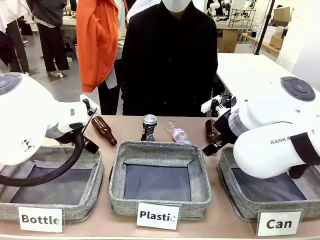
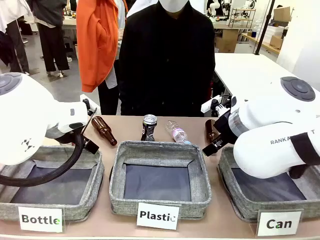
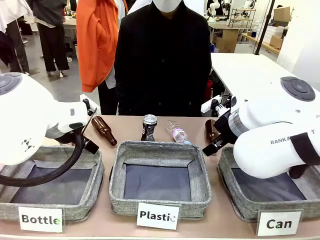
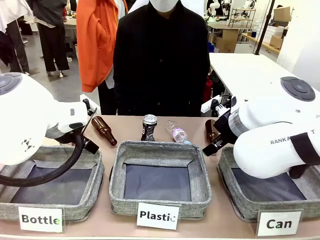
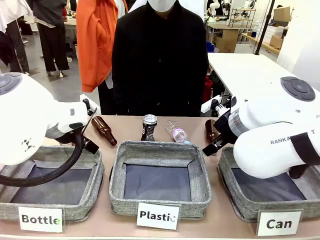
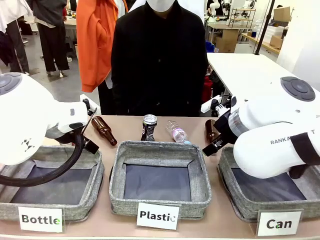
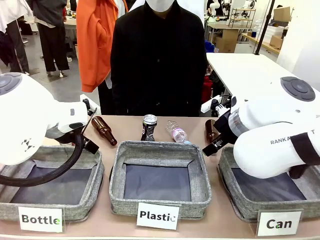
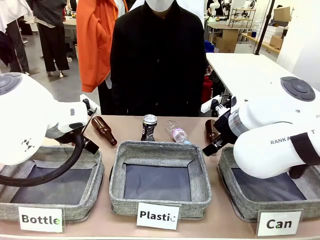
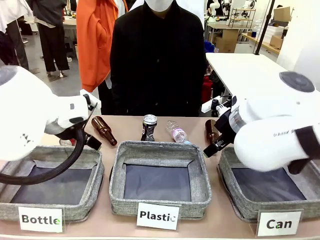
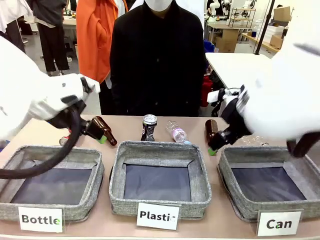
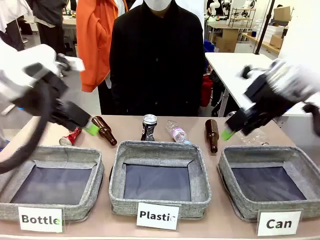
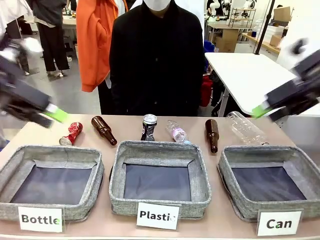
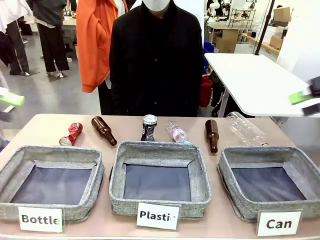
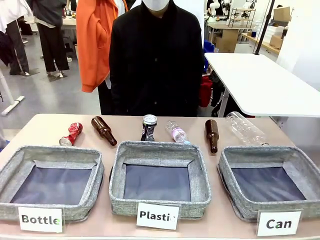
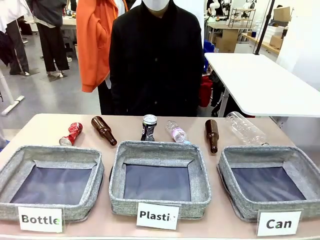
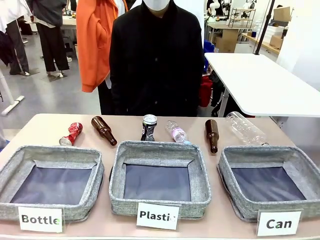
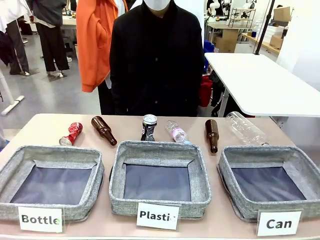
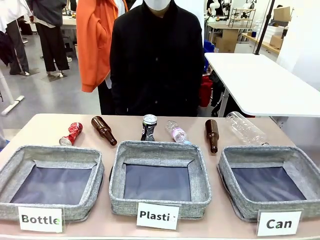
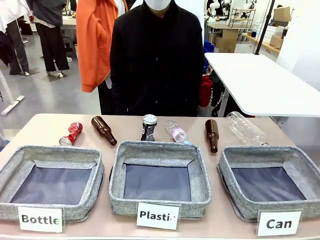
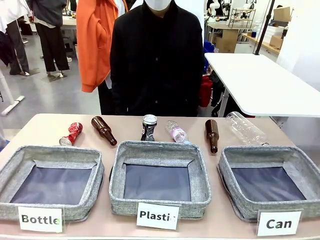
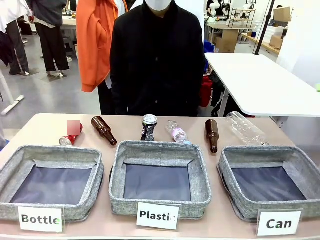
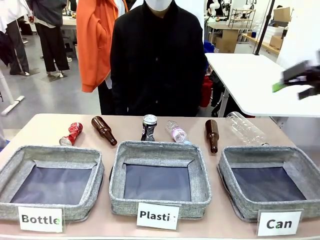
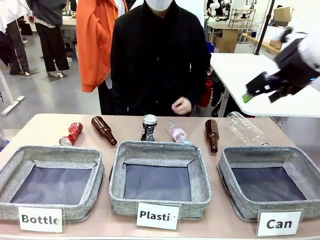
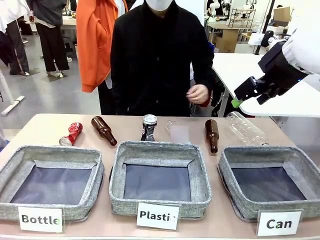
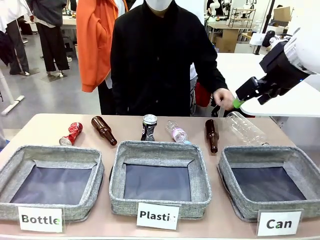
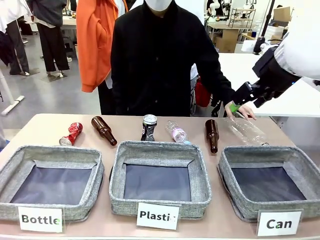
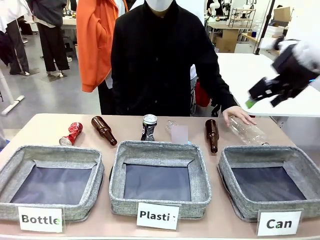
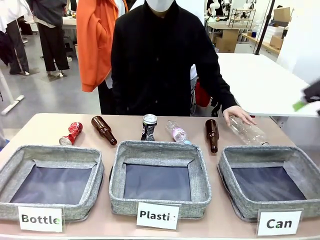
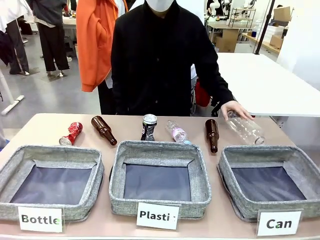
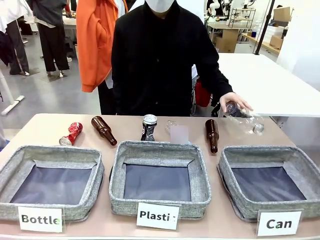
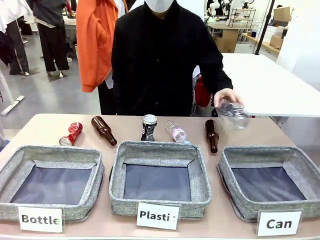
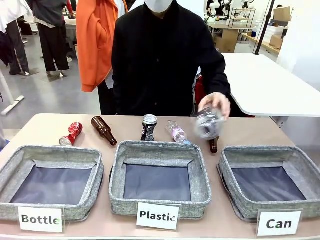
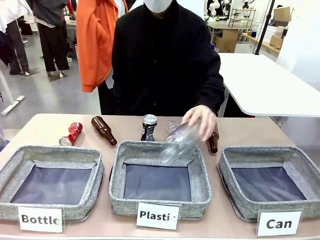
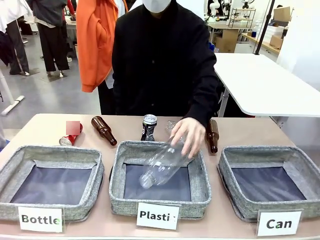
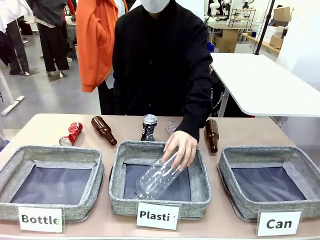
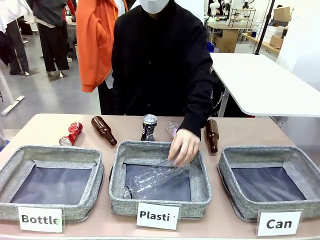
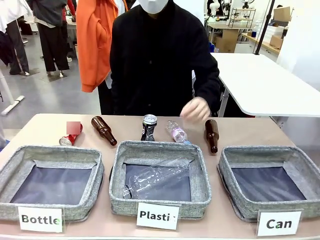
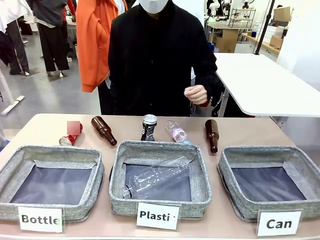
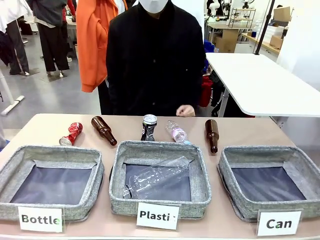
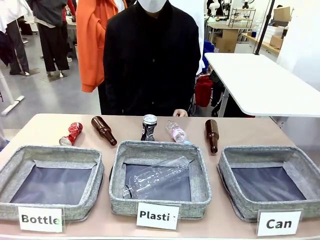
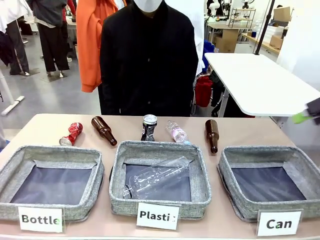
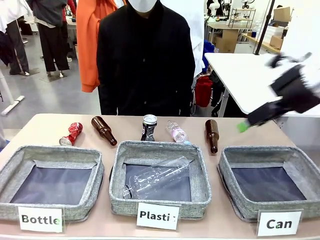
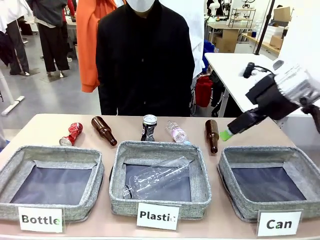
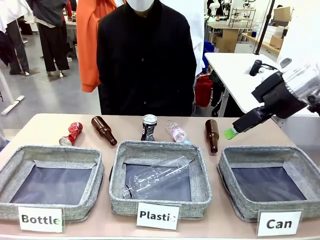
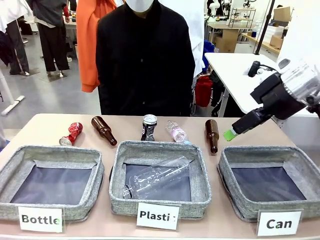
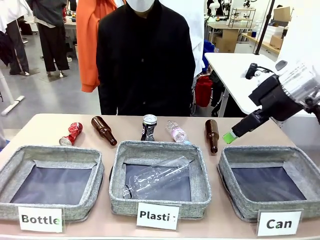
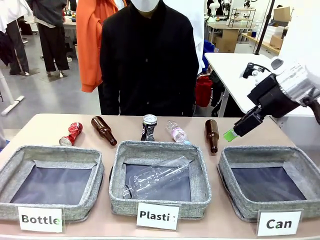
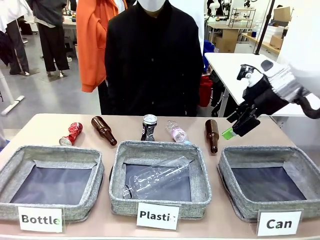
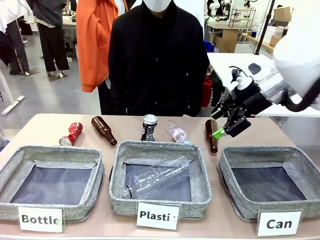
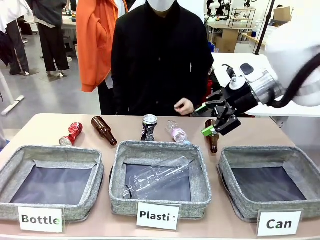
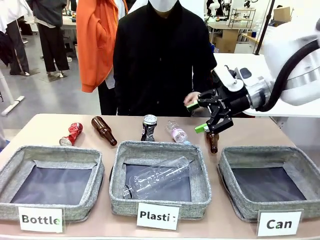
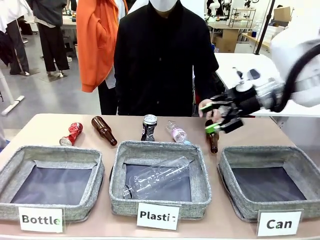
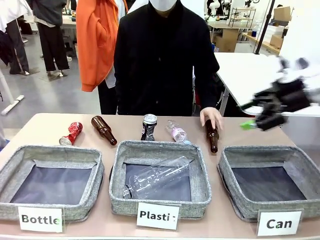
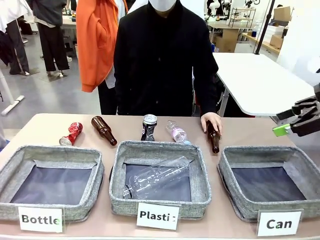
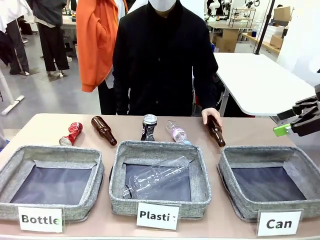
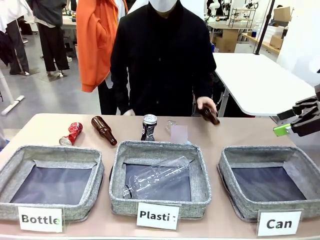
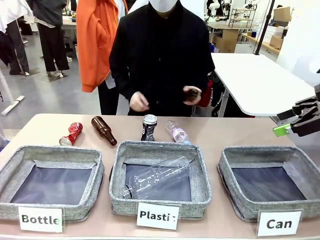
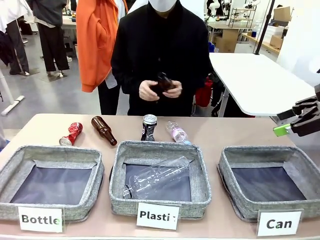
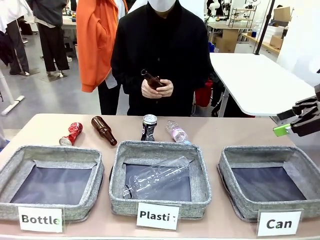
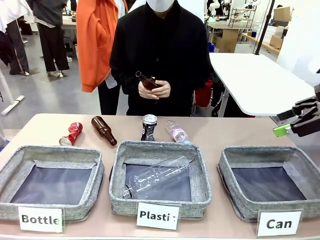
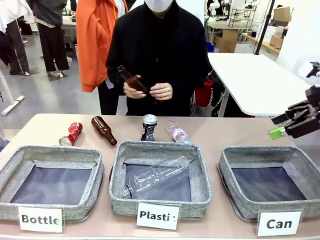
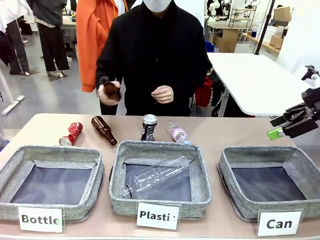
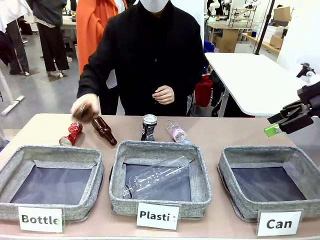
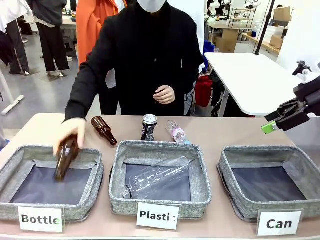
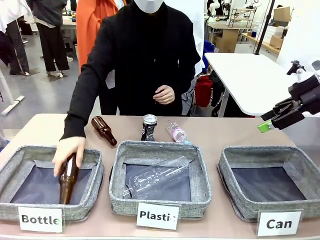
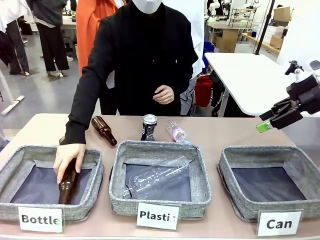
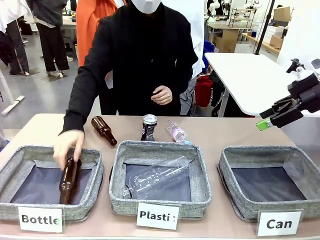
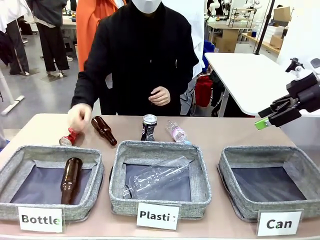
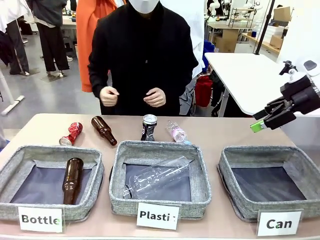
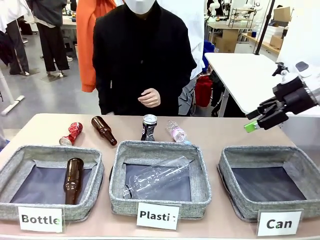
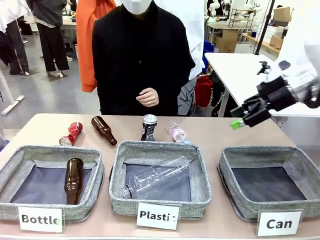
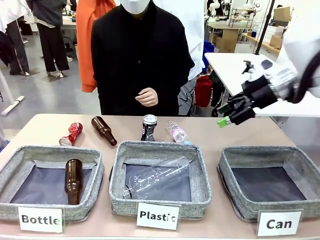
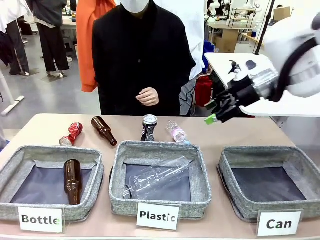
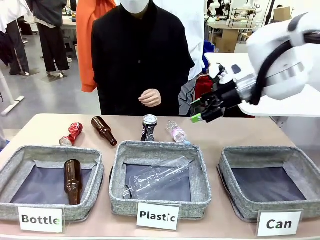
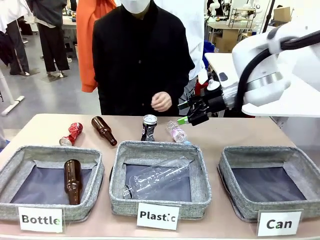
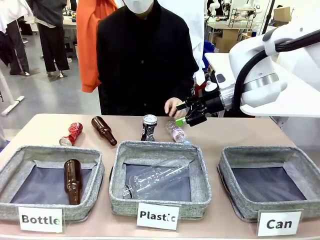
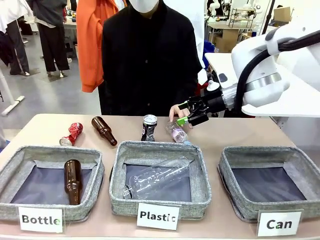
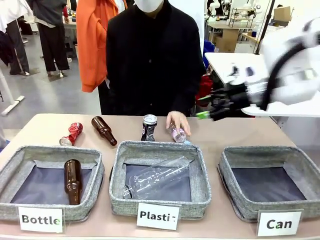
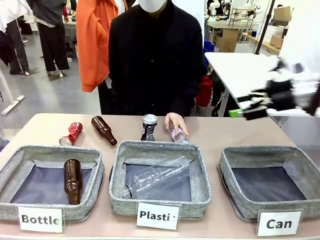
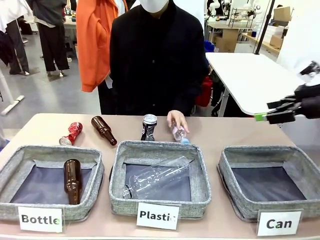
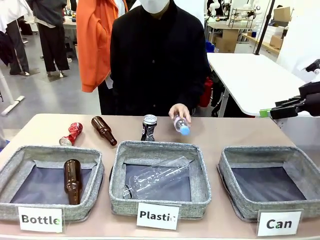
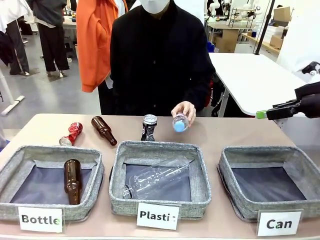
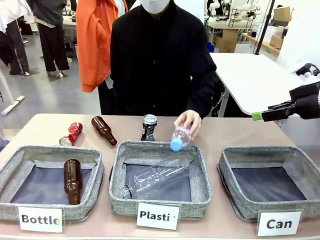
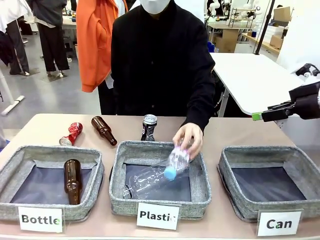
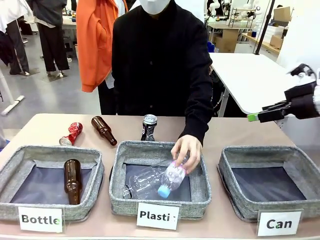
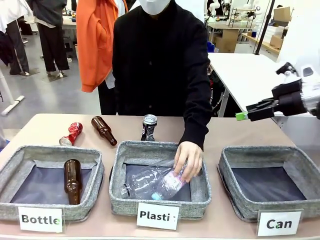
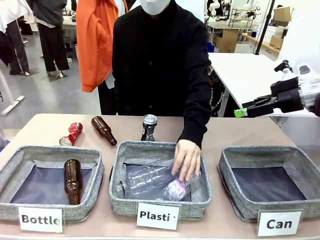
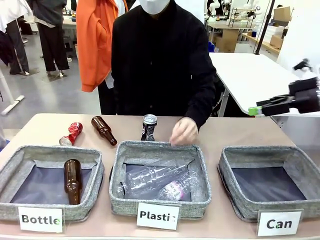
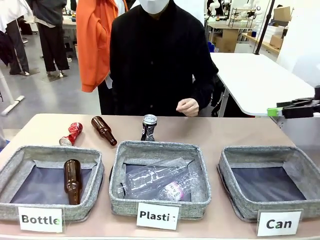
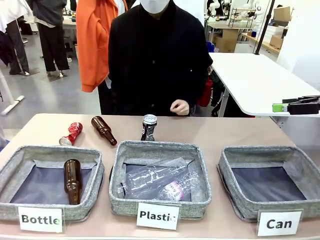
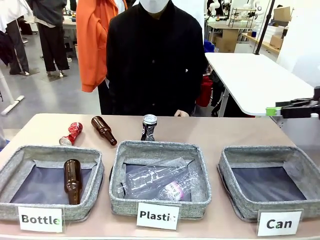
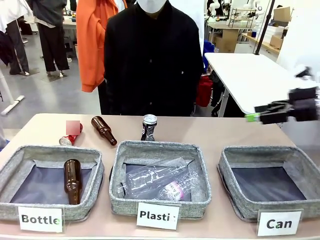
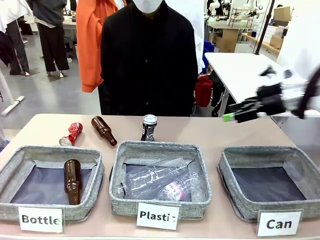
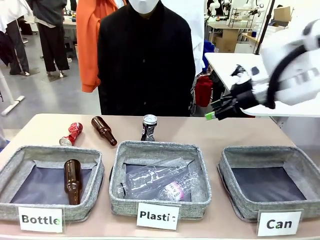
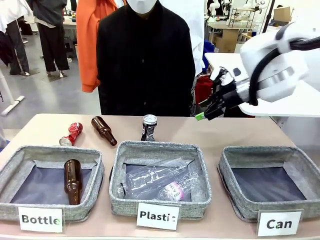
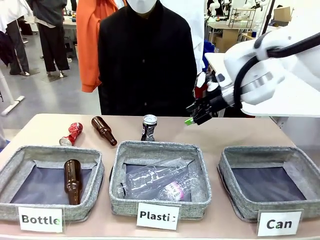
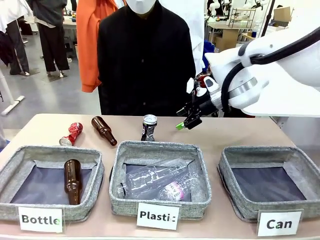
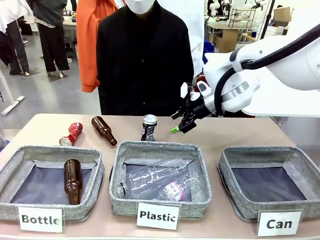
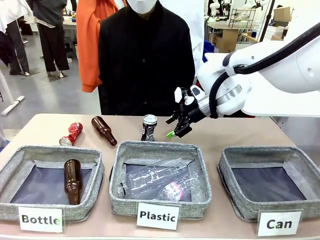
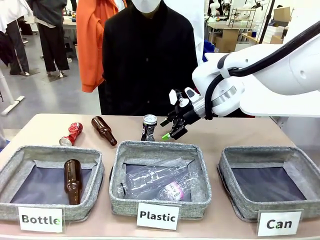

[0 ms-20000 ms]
Task: Sort the can waste into the basket.
Robot: Pick up the can waste from the table and place it in the right Fabric basket.
